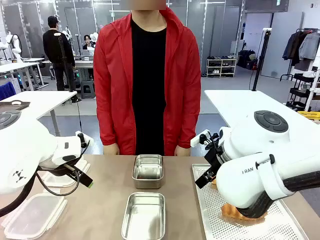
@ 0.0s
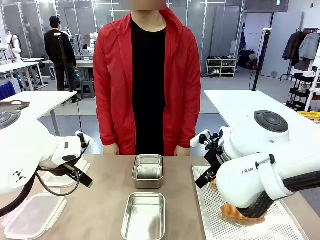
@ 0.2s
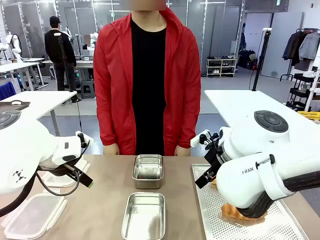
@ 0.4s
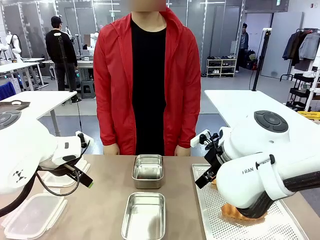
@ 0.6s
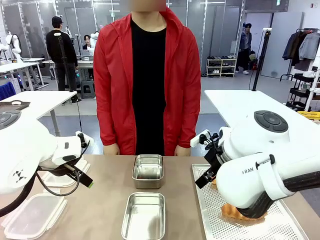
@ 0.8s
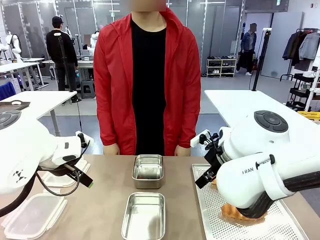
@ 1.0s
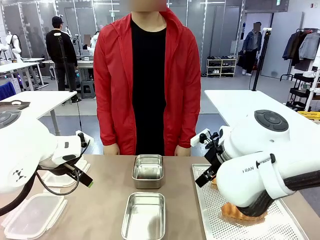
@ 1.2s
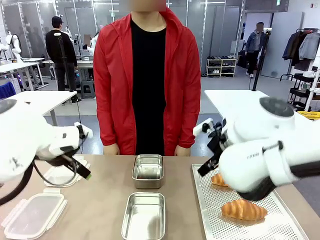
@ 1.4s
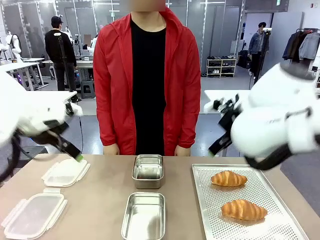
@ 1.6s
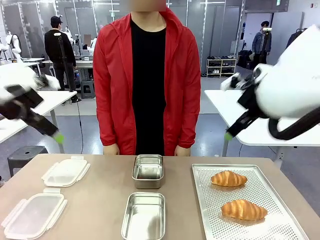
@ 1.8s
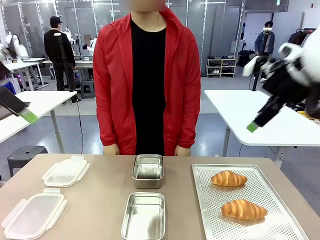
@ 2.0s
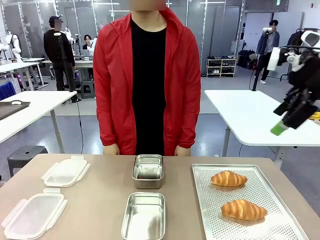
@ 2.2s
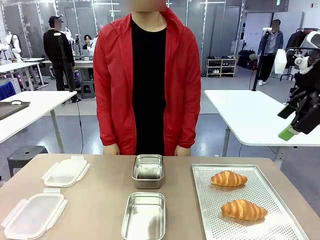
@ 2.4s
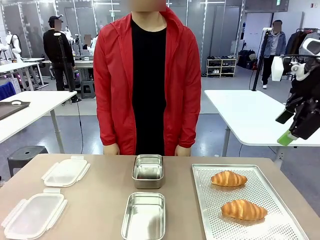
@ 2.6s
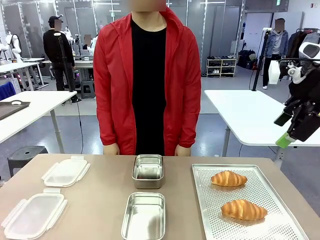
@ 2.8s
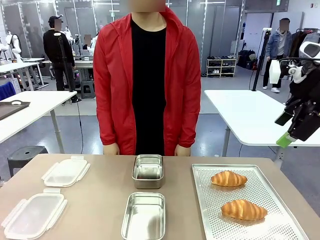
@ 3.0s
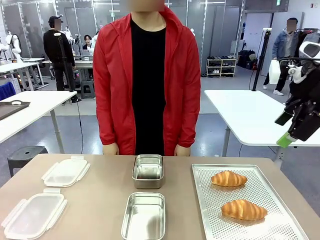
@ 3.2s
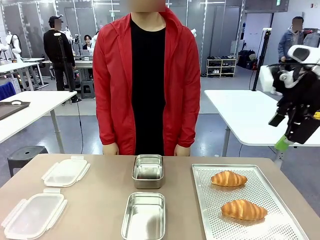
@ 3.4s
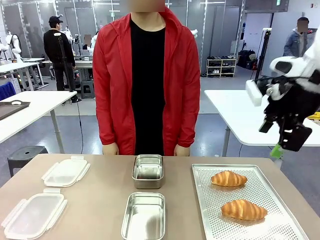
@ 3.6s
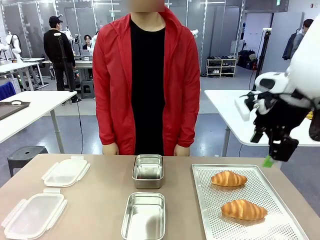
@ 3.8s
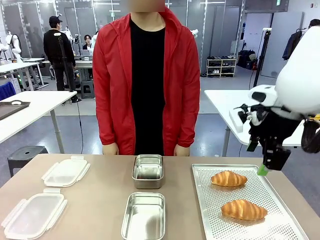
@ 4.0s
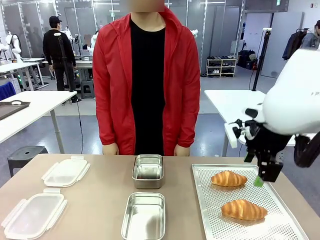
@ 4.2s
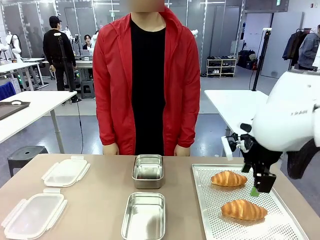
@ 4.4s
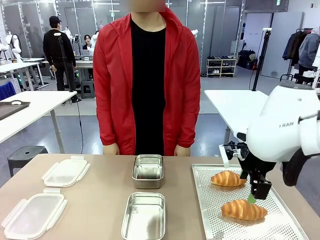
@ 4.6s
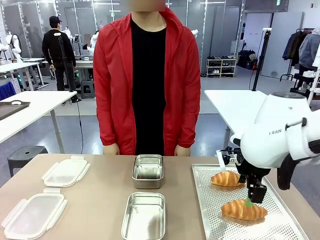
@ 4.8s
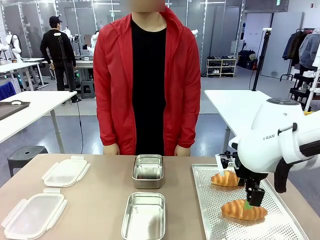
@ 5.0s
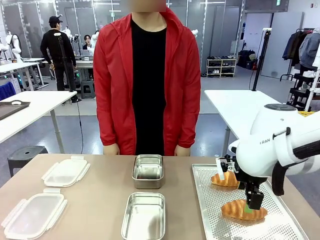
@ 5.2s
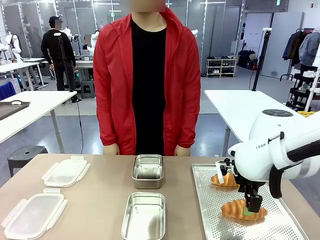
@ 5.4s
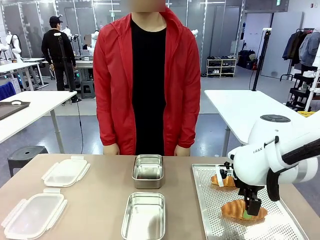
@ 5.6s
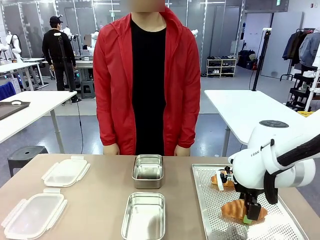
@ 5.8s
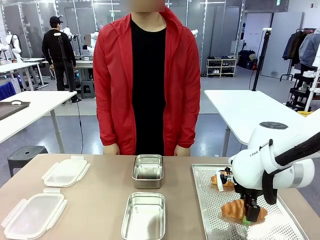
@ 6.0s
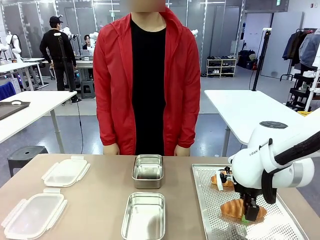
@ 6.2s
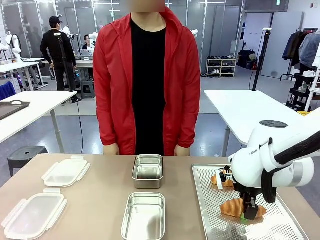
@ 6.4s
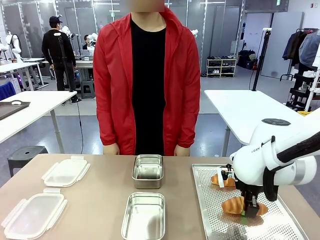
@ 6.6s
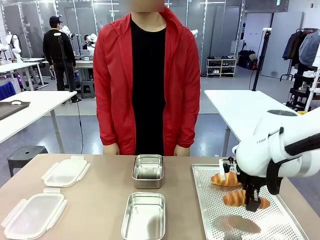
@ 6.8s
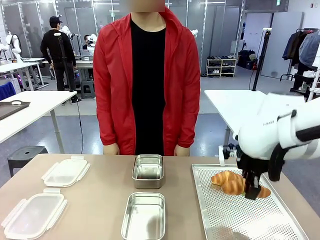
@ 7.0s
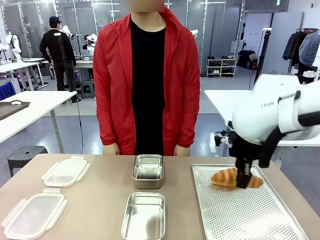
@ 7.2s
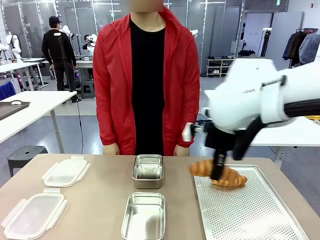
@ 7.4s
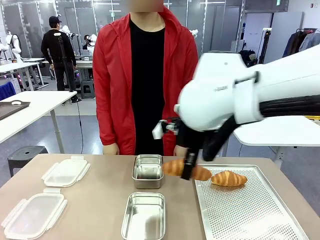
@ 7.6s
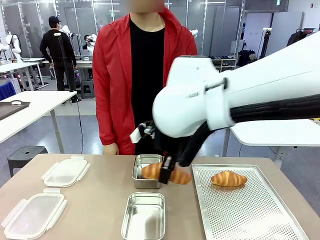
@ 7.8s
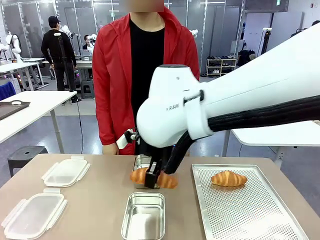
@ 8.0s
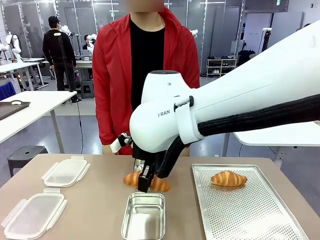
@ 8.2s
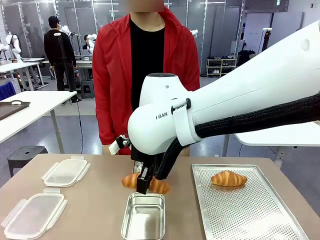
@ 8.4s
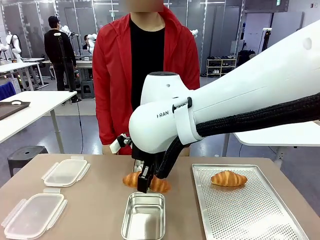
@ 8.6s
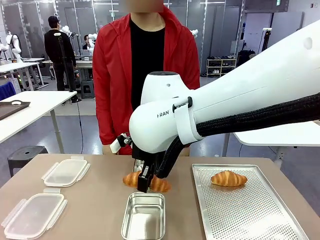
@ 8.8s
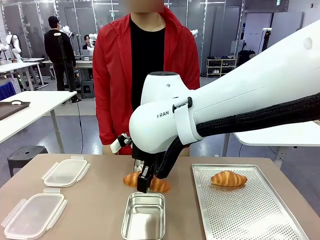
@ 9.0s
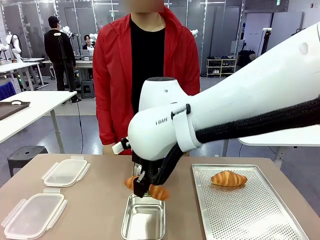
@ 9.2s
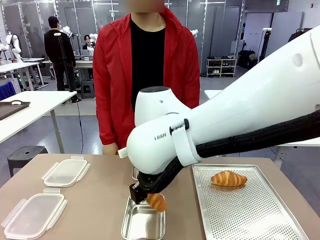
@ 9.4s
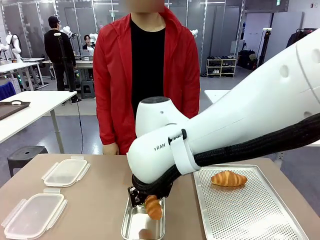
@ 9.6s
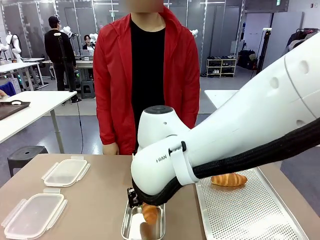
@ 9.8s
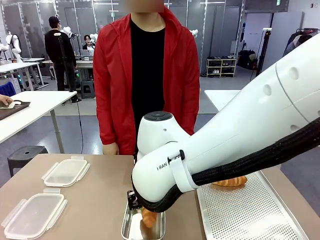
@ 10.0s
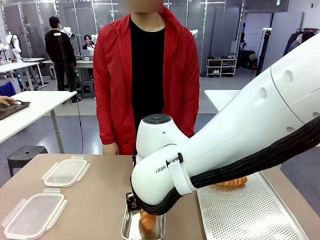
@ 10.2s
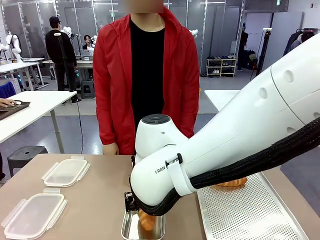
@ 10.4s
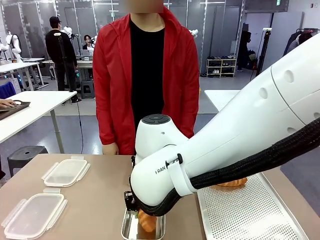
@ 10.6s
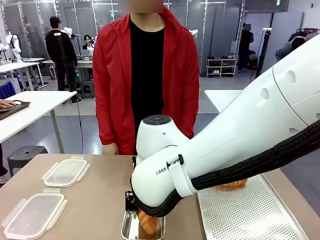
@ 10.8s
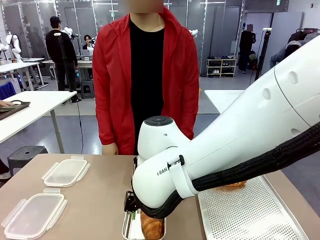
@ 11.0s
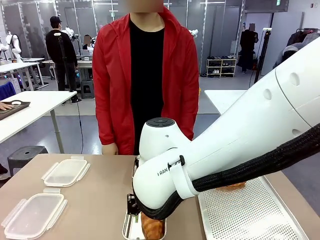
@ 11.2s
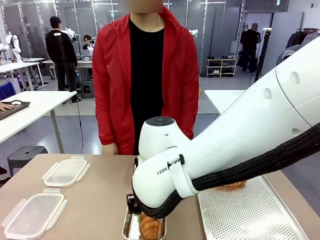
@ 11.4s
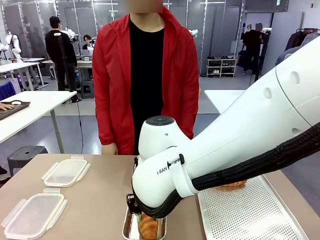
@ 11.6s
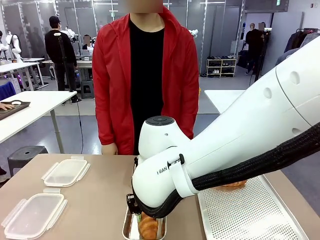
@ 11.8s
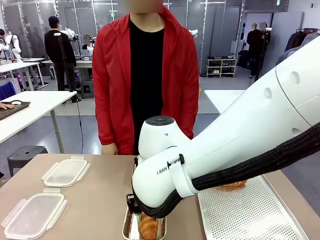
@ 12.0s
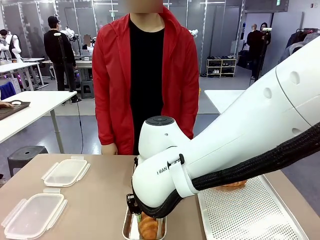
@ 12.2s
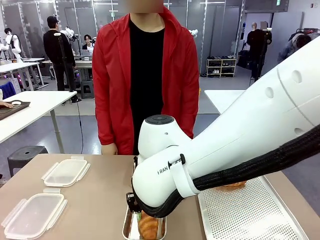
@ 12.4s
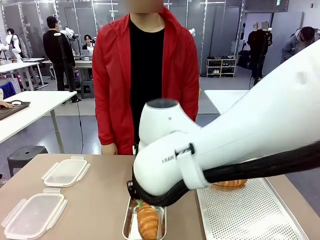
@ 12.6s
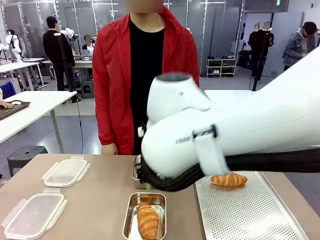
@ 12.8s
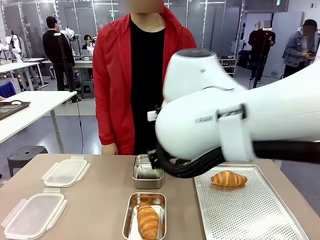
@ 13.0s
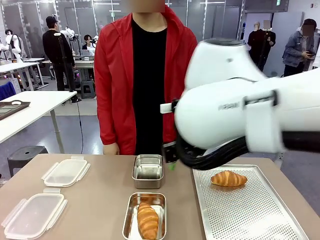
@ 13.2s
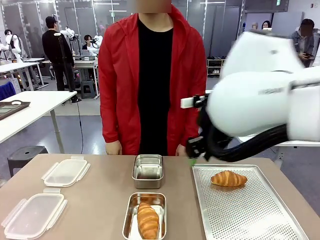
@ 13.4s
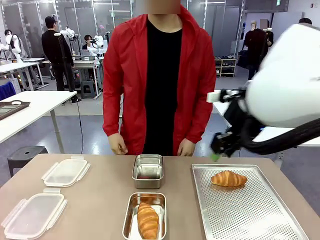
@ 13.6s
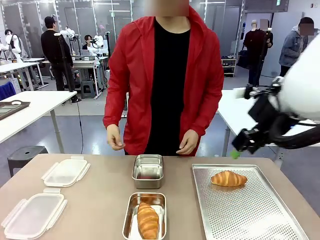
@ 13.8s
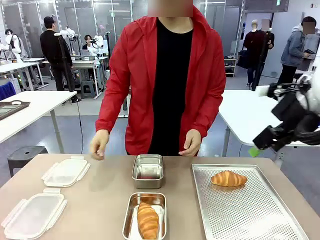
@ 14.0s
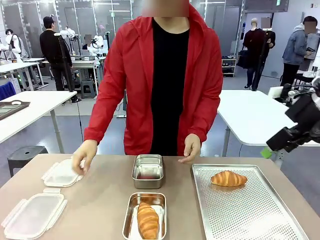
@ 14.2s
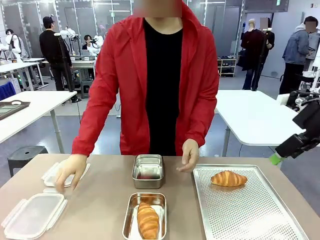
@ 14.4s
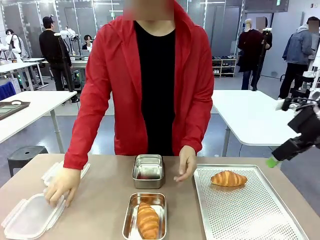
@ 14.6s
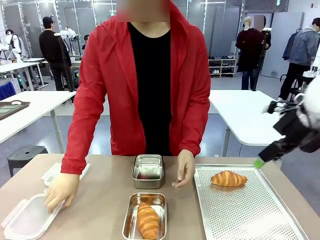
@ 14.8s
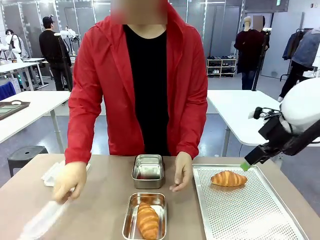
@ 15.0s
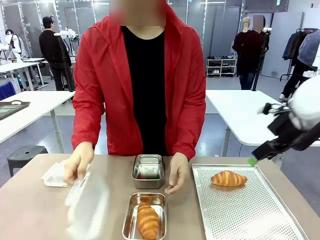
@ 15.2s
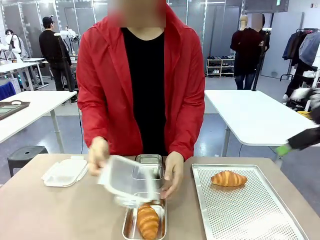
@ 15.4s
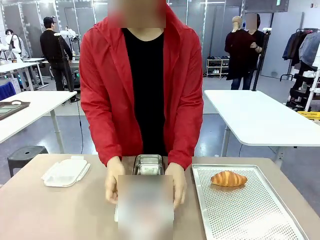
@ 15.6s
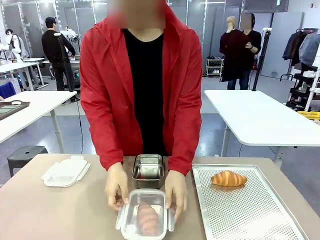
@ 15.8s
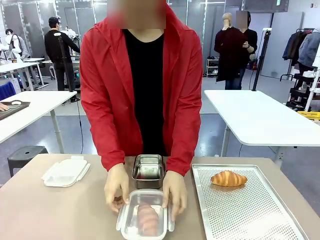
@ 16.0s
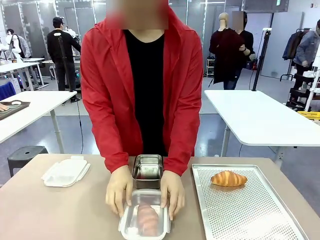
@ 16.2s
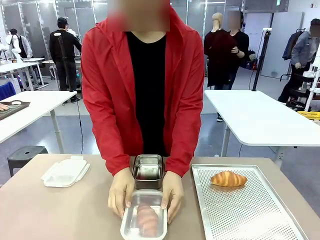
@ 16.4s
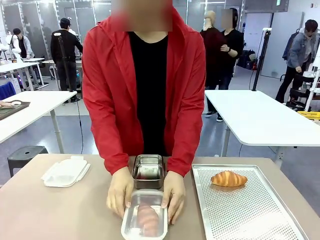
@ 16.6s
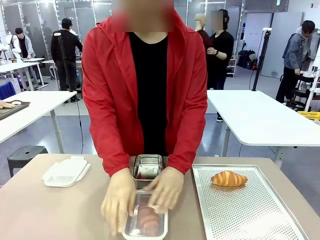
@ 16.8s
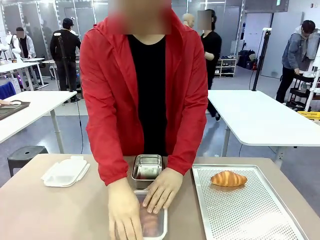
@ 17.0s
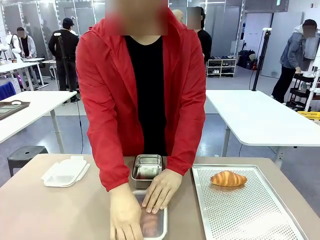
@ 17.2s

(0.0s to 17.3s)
Task: Place the bread into the airtight container.
Robot: Pick up a Butter Roll and place it into an empty Airtight Container.
